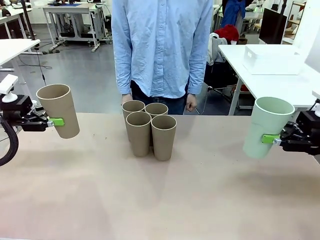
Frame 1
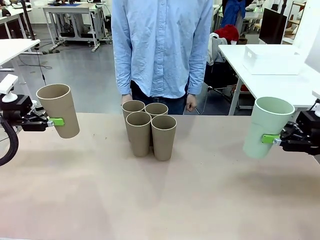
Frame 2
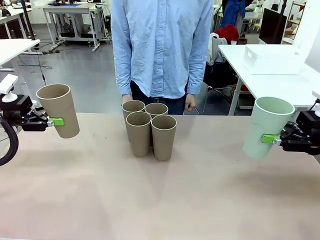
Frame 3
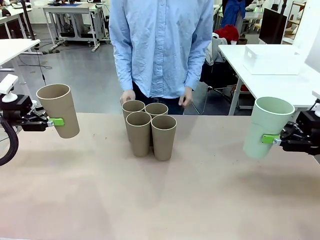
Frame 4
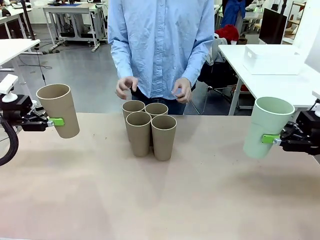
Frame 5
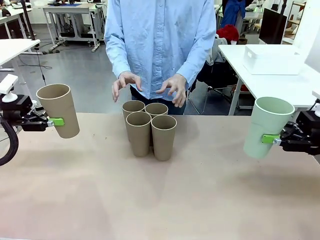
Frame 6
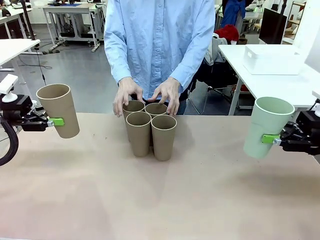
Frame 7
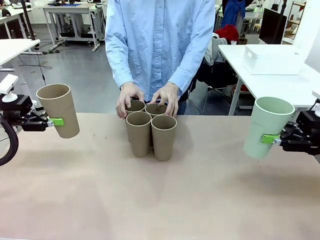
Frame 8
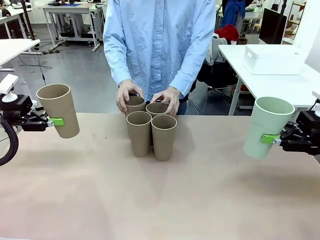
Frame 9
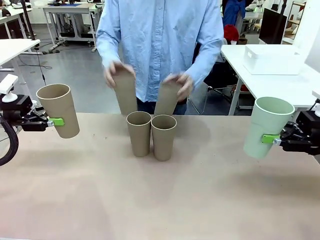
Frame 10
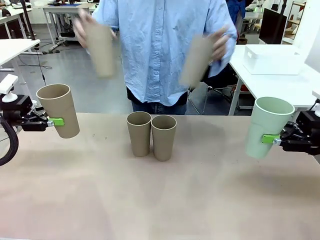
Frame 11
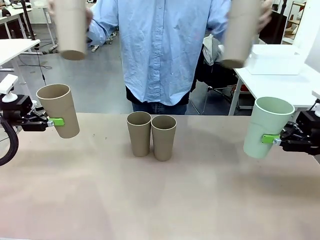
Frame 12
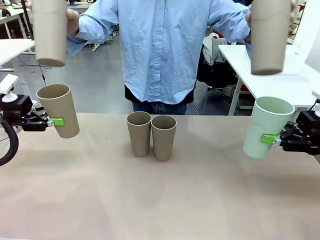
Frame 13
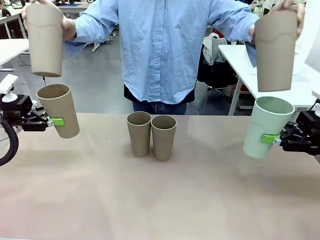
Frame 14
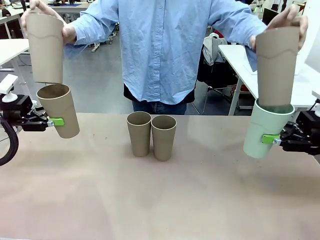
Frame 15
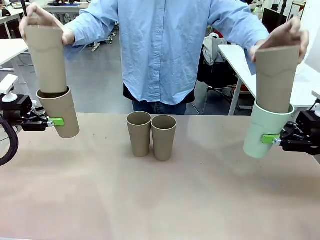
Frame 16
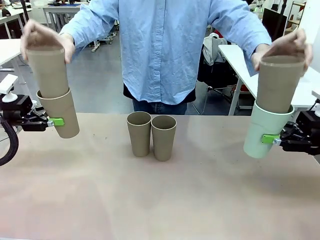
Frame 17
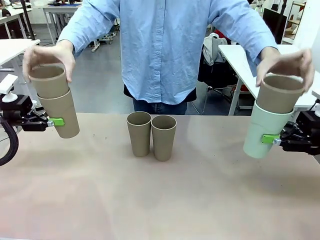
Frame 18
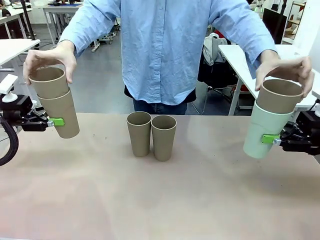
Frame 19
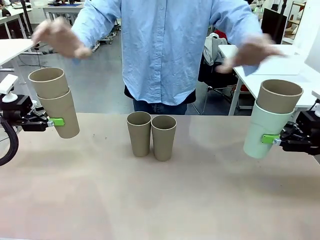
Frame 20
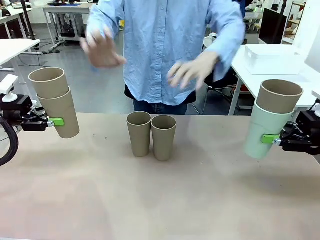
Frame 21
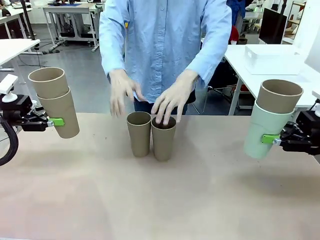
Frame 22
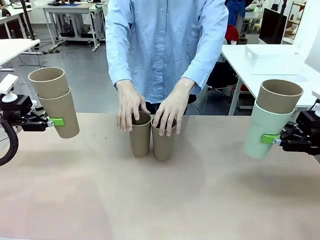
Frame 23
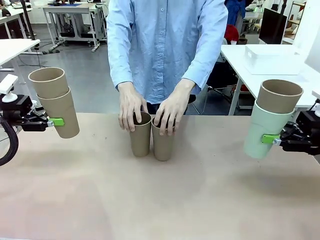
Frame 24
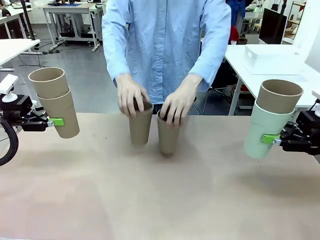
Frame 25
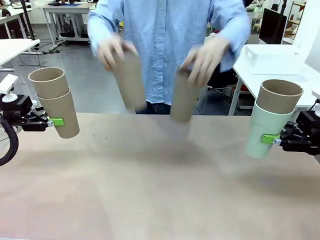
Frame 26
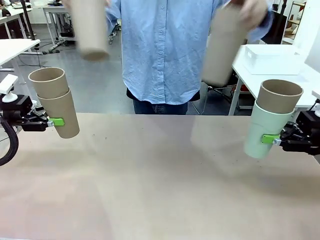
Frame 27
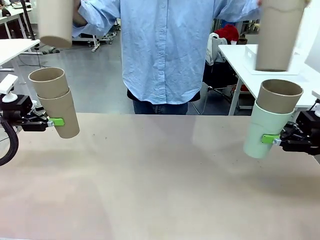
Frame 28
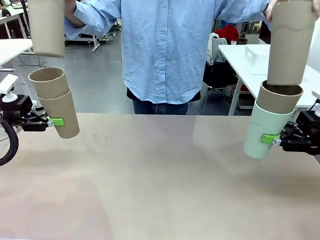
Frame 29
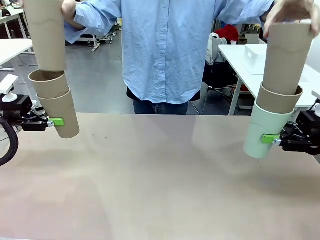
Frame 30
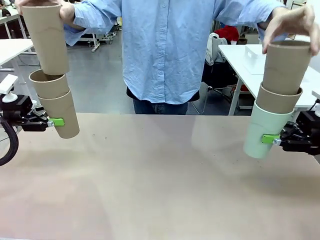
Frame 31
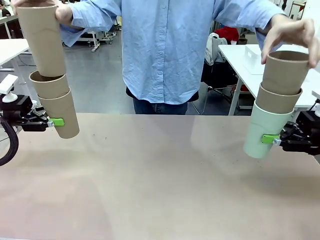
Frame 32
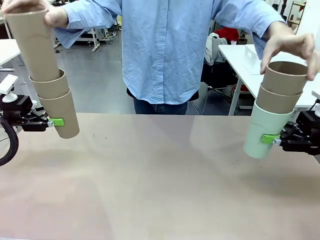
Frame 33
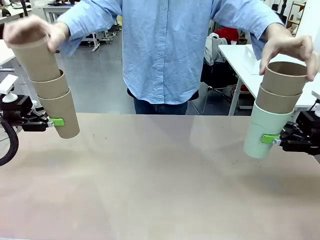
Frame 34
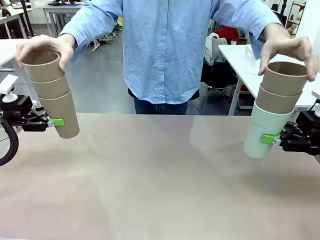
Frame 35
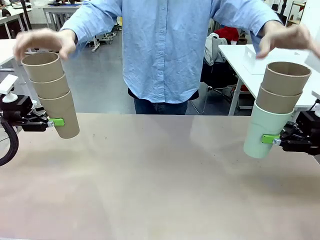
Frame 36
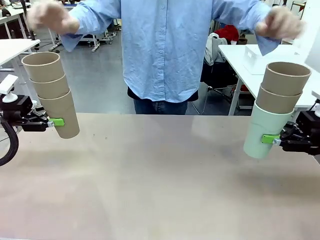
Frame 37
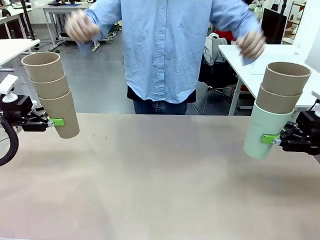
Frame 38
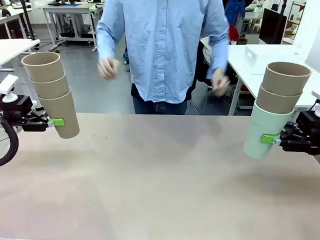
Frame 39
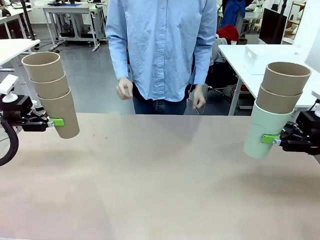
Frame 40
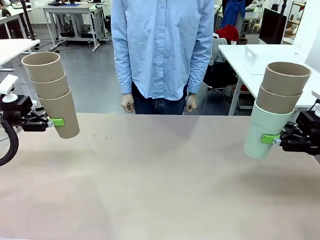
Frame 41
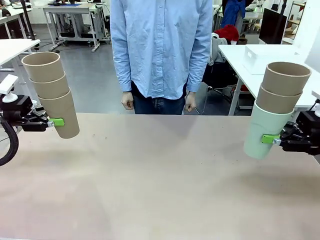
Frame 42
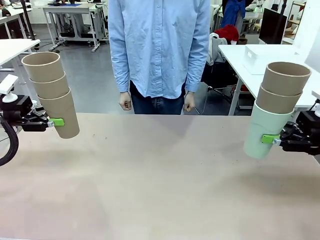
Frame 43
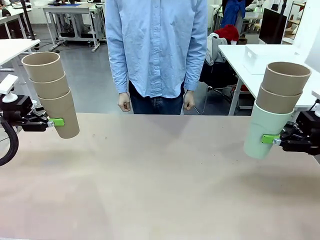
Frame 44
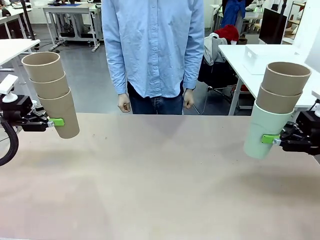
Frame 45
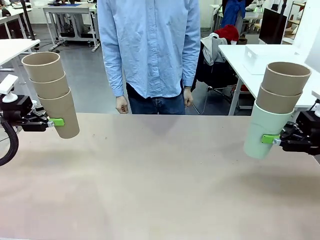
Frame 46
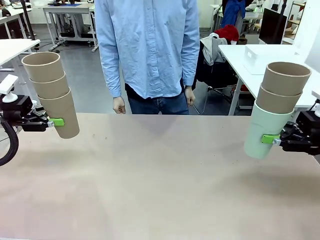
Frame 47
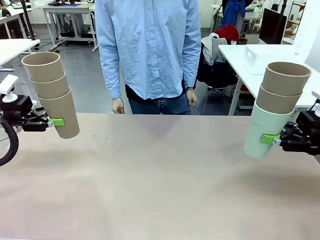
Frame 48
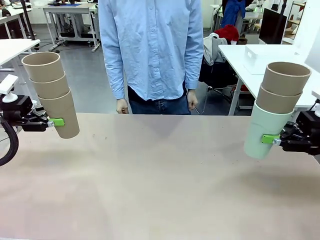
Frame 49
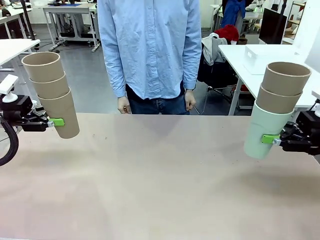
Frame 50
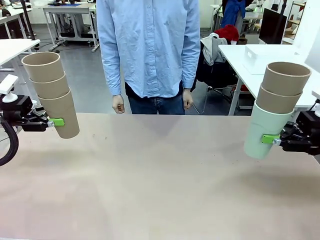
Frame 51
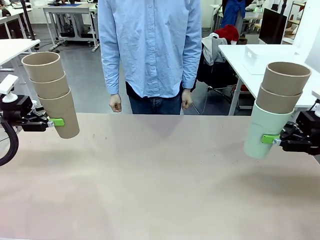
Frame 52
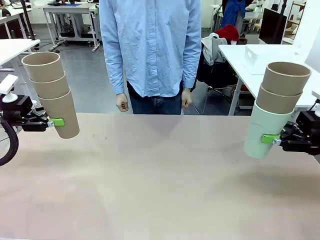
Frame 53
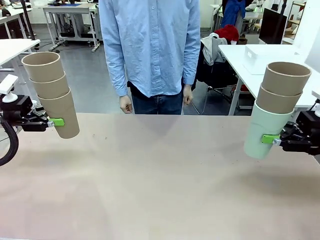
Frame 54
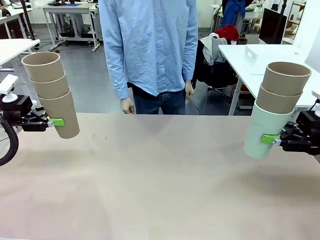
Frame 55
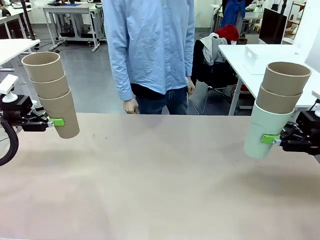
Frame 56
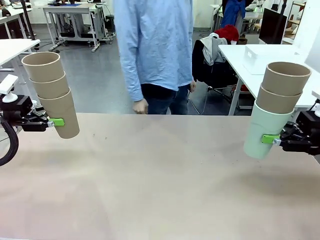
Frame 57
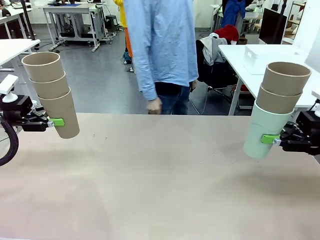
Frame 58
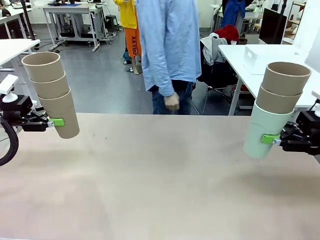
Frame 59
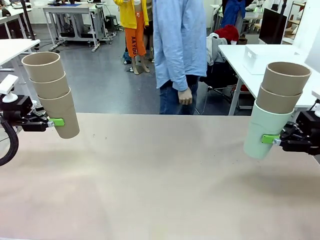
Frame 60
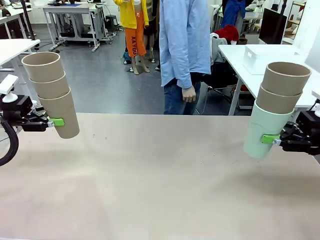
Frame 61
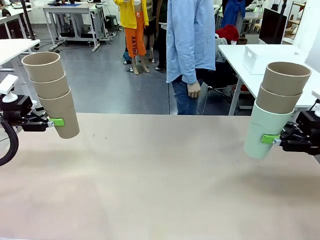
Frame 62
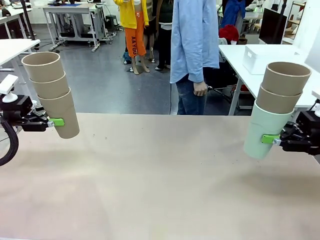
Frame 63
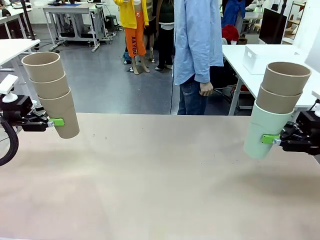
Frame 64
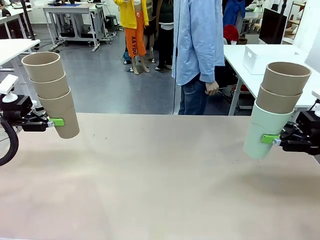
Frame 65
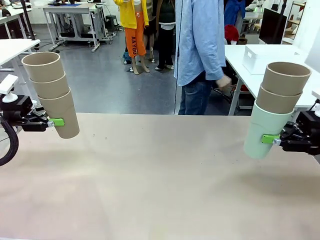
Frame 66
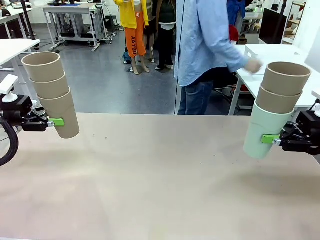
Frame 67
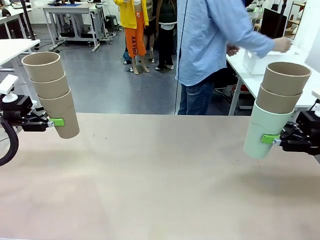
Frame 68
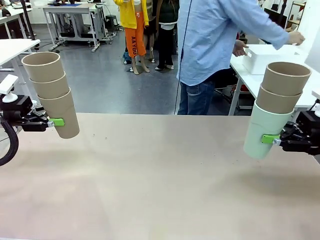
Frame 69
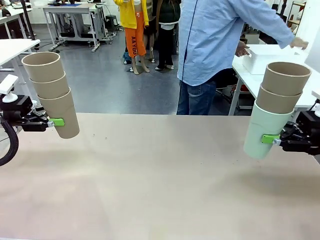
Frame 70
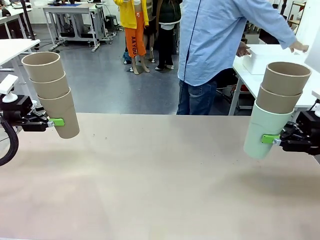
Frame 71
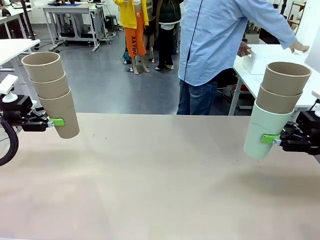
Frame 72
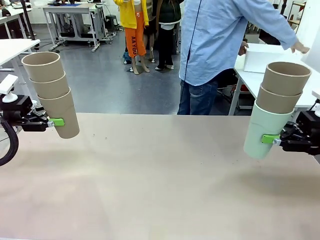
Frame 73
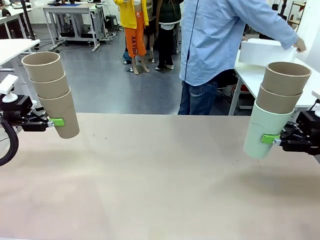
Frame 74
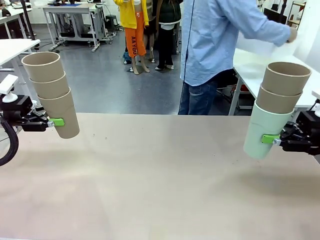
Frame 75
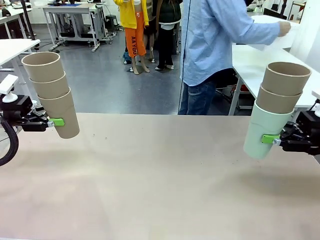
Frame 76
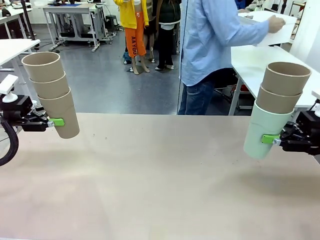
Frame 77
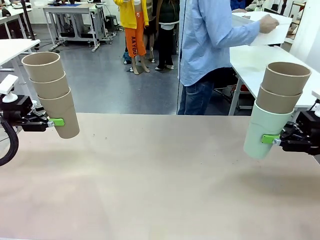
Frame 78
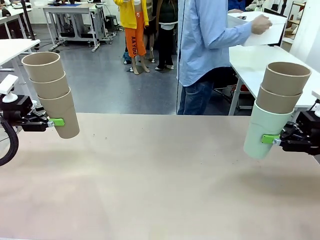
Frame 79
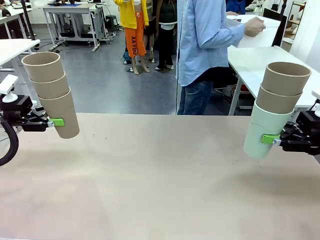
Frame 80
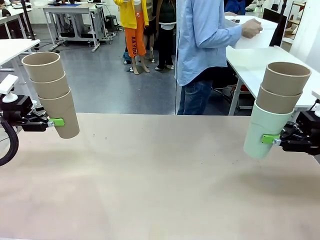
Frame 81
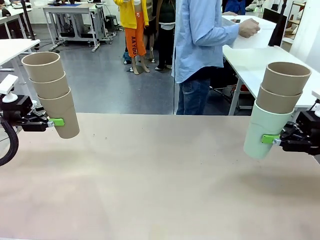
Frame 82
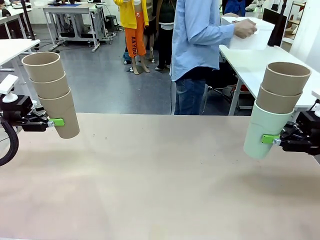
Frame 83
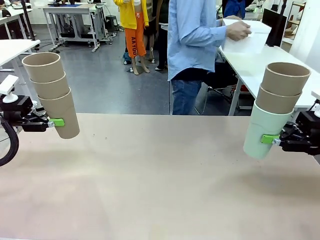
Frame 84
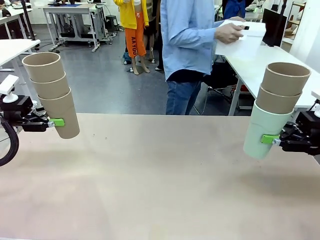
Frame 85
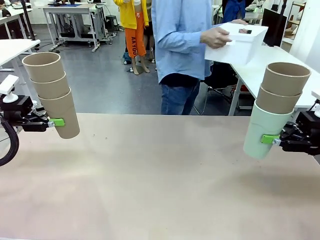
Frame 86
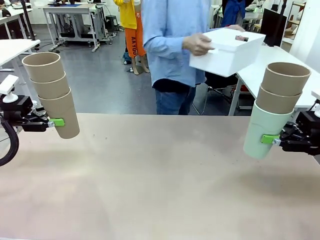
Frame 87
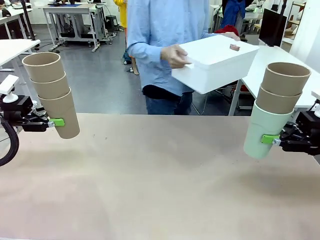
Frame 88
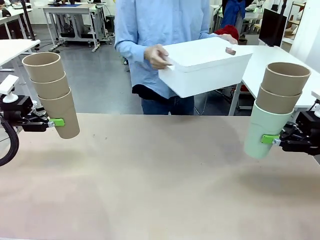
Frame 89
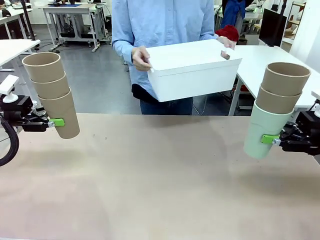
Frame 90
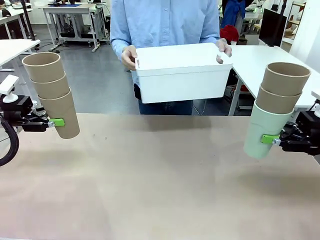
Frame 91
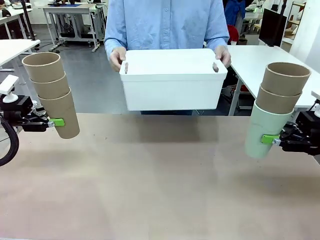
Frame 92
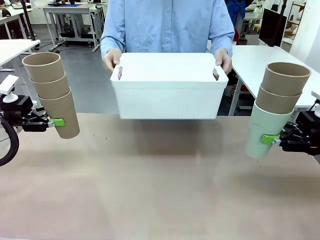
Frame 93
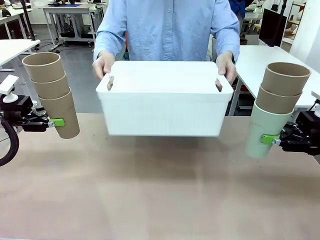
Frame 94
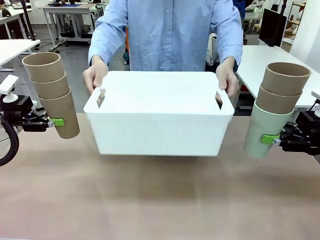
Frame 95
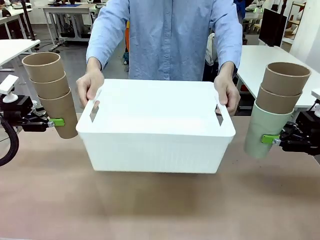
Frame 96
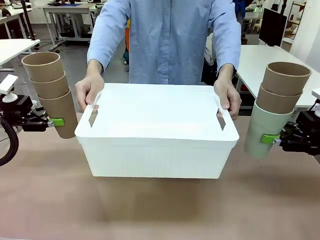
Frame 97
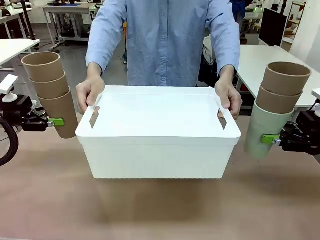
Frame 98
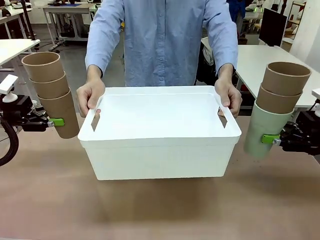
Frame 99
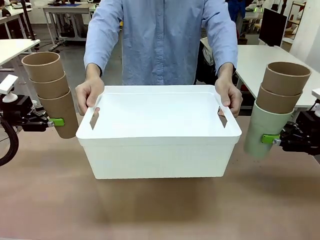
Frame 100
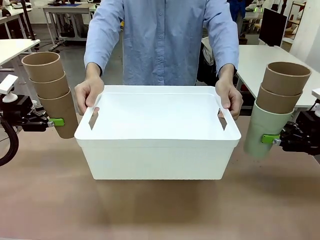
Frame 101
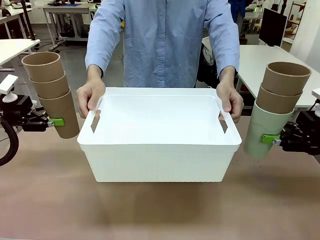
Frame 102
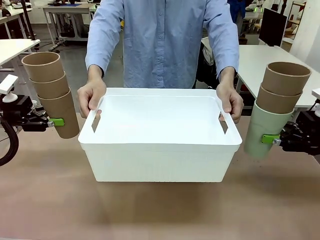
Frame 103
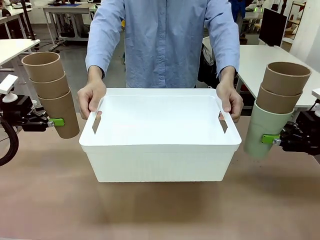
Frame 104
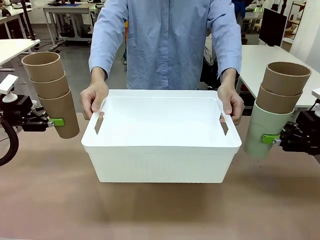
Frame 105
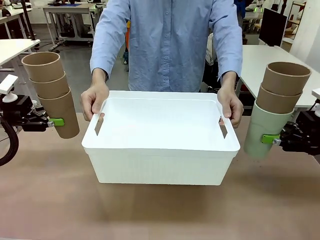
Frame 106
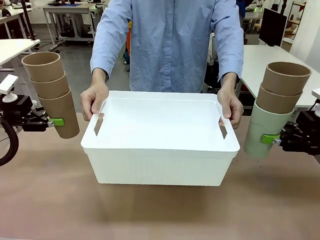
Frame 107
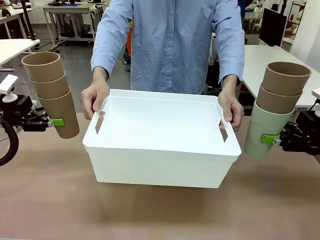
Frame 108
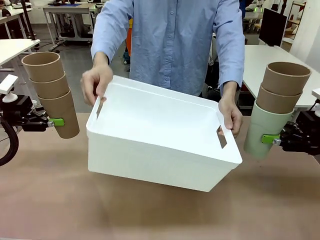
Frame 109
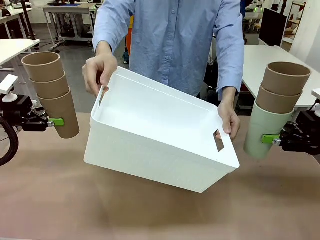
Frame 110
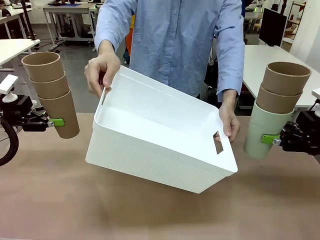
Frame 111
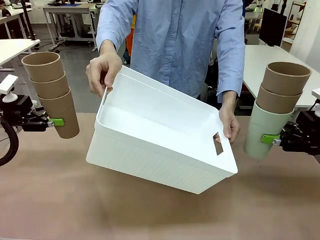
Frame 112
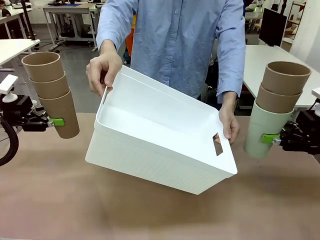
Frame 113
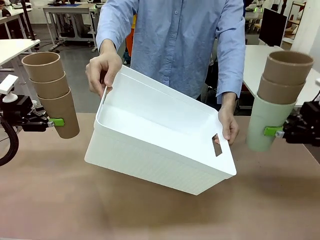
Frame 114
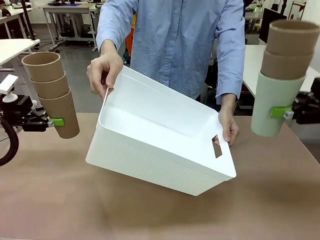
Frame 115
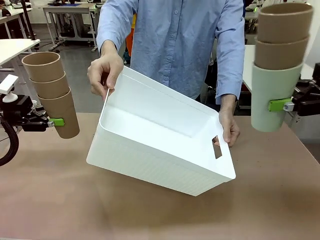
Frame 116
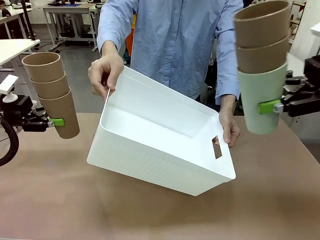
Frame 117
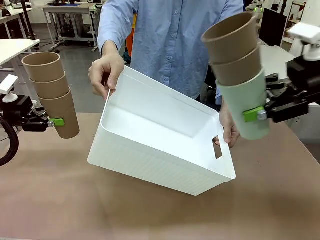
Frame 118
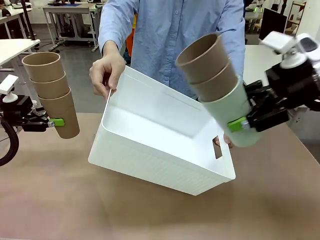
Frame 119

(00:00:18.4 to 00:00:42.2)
Task: Stack the cups and store them in the basket.
Robot: Place the stack of Reusable plastic cups into the Pantry Basket.
Person: Pick up the basket from the Human Table, bring it to the front of the robot, and present it.
